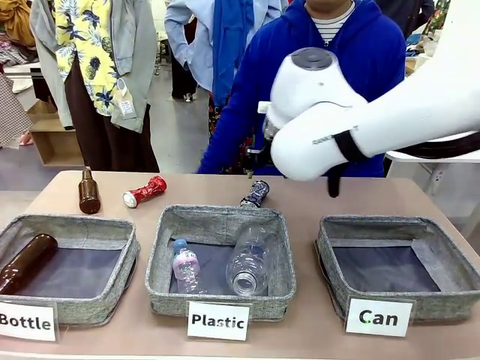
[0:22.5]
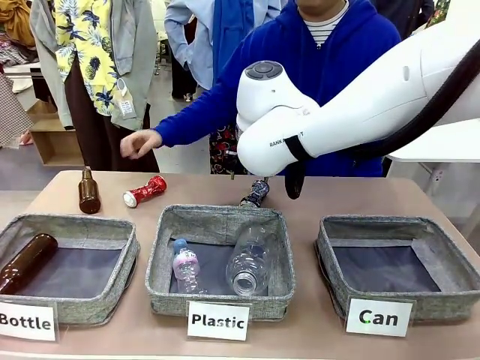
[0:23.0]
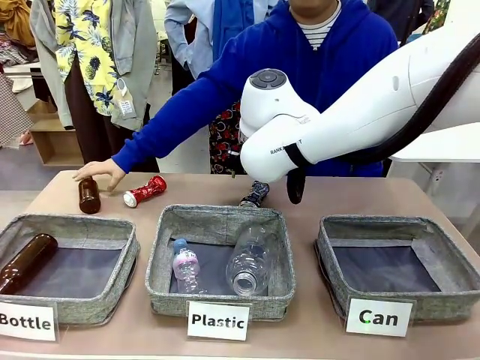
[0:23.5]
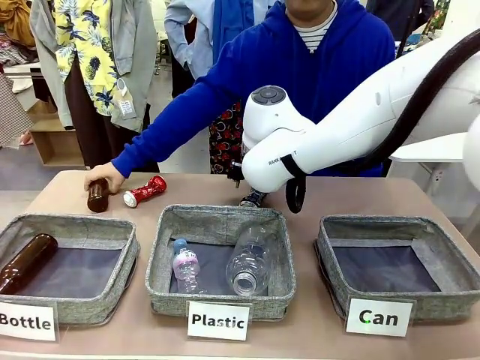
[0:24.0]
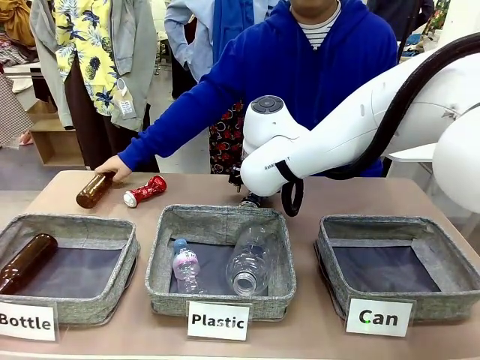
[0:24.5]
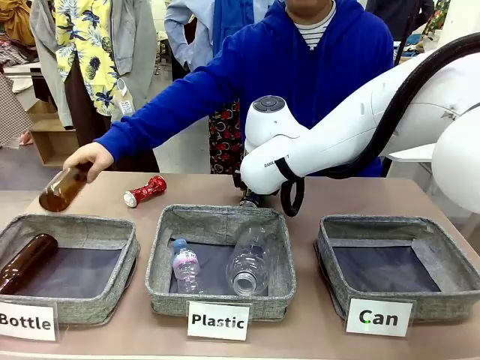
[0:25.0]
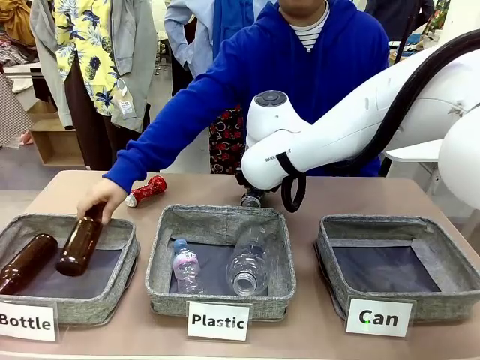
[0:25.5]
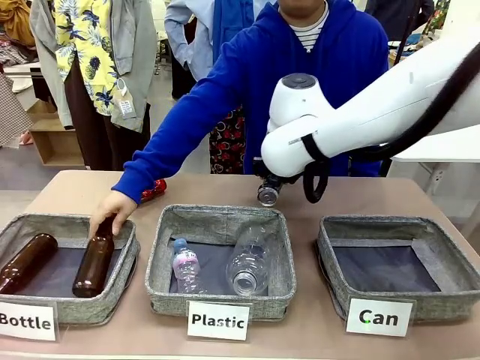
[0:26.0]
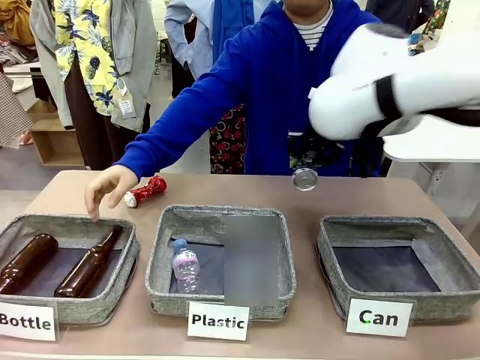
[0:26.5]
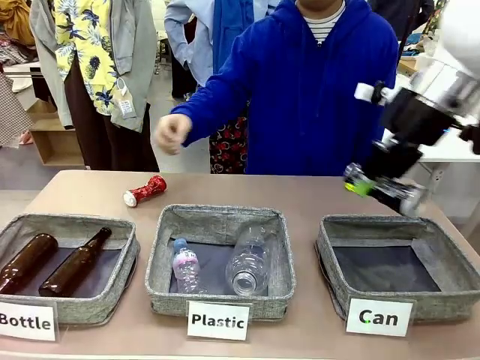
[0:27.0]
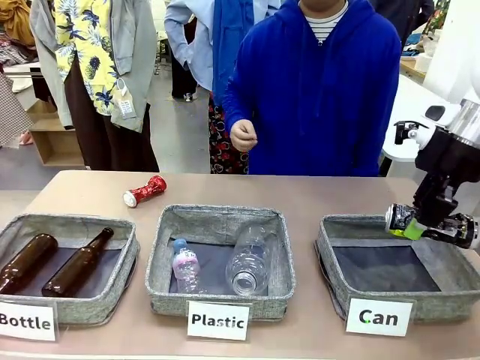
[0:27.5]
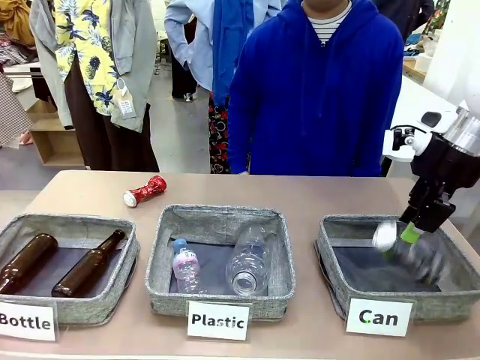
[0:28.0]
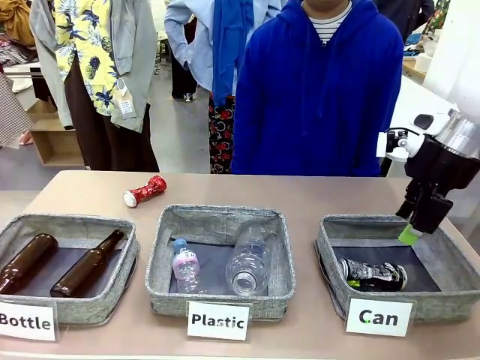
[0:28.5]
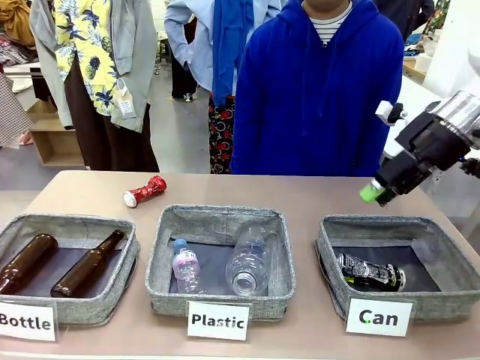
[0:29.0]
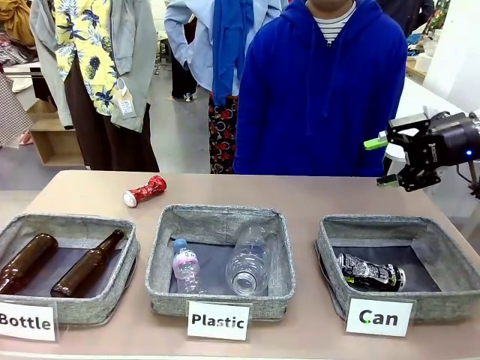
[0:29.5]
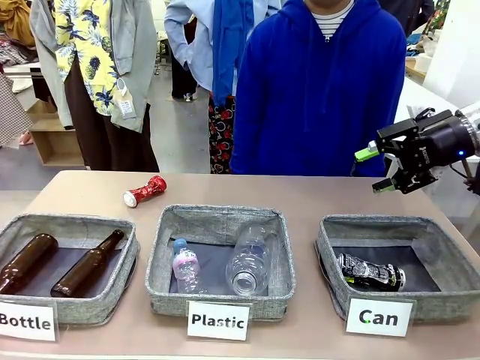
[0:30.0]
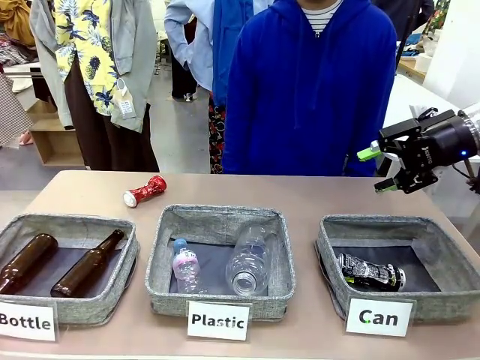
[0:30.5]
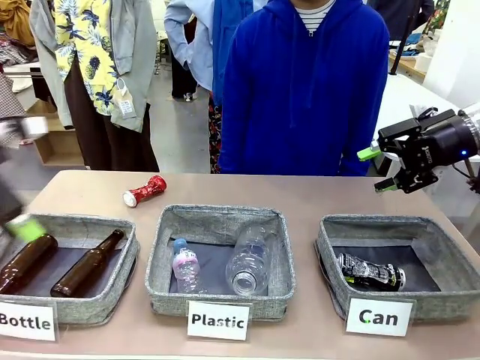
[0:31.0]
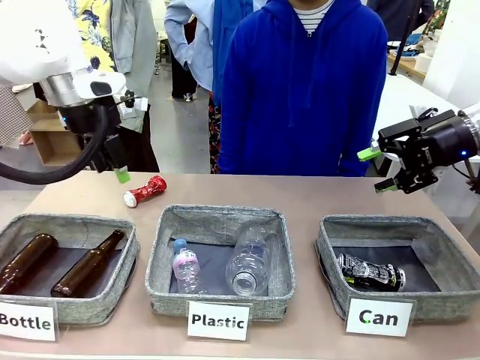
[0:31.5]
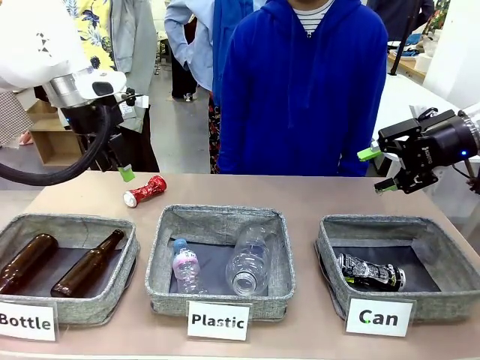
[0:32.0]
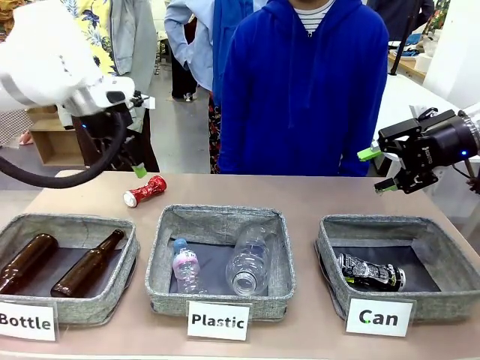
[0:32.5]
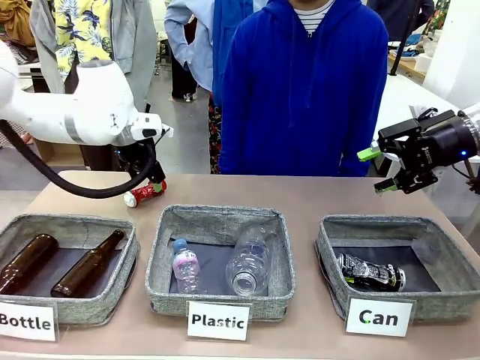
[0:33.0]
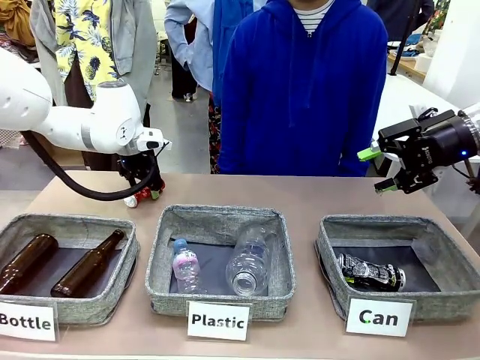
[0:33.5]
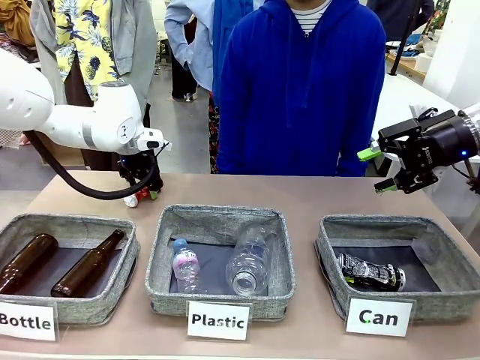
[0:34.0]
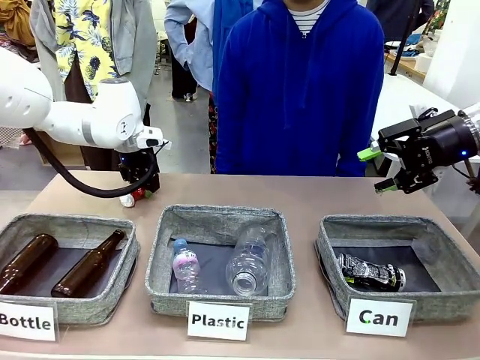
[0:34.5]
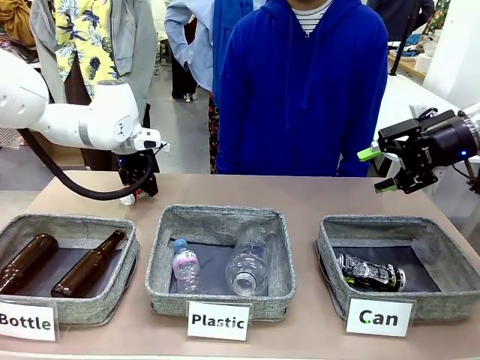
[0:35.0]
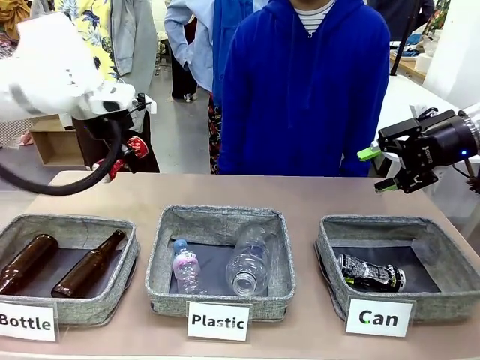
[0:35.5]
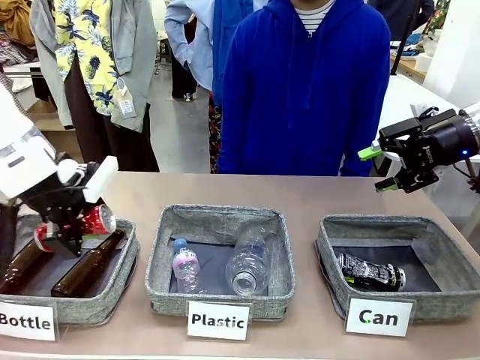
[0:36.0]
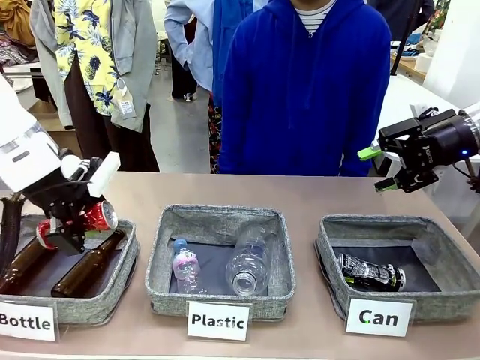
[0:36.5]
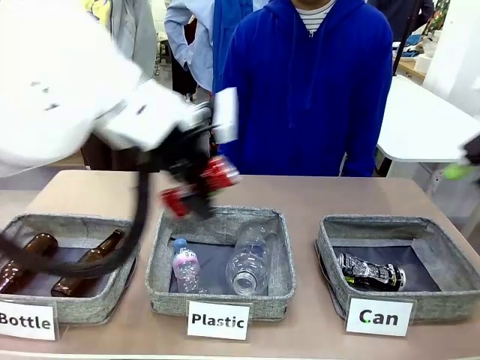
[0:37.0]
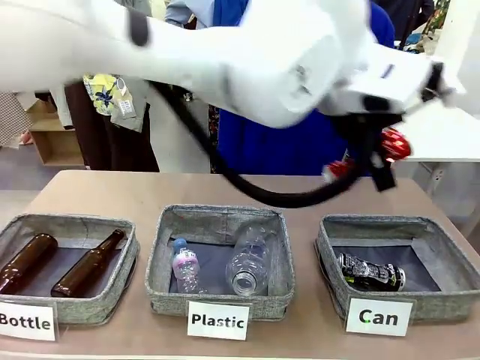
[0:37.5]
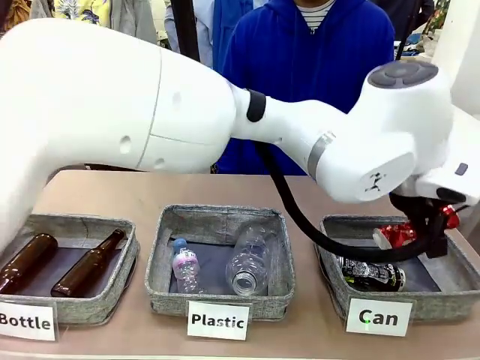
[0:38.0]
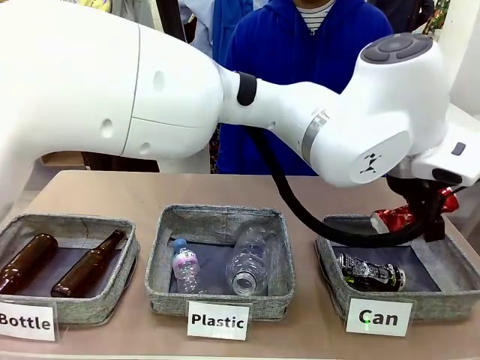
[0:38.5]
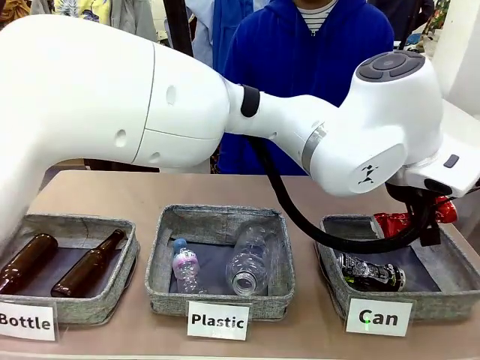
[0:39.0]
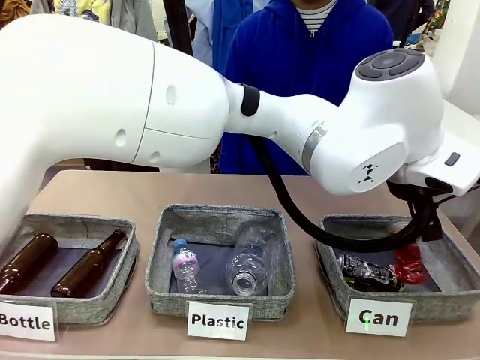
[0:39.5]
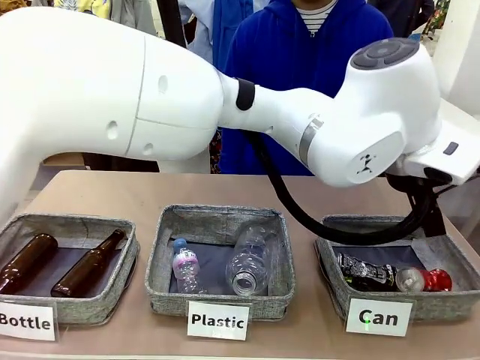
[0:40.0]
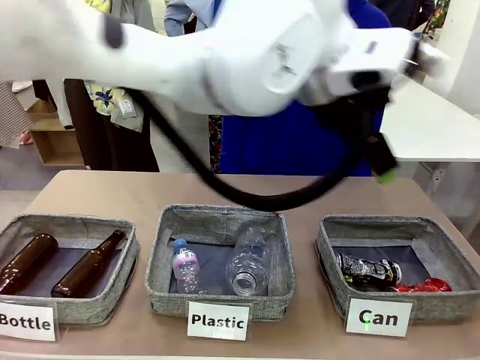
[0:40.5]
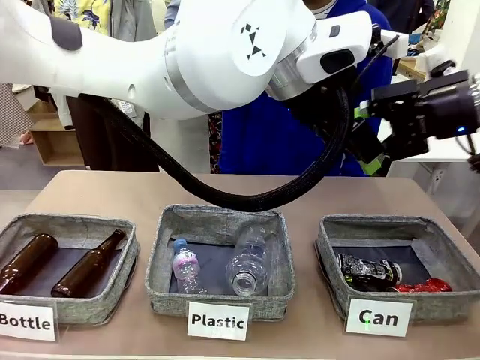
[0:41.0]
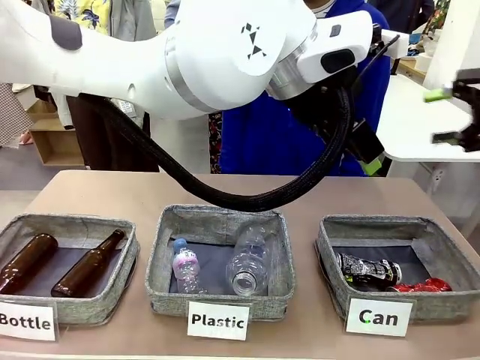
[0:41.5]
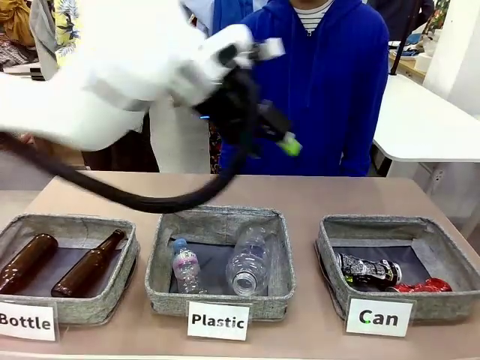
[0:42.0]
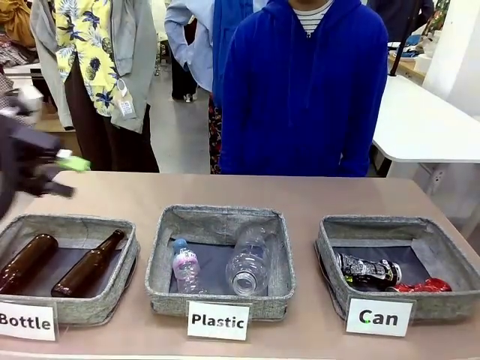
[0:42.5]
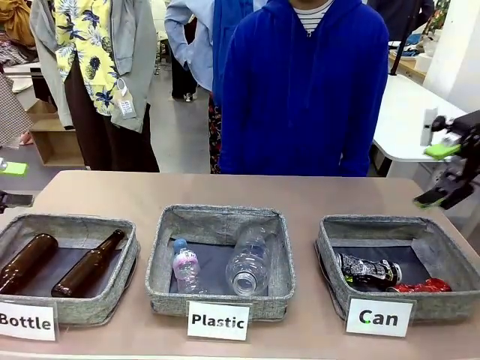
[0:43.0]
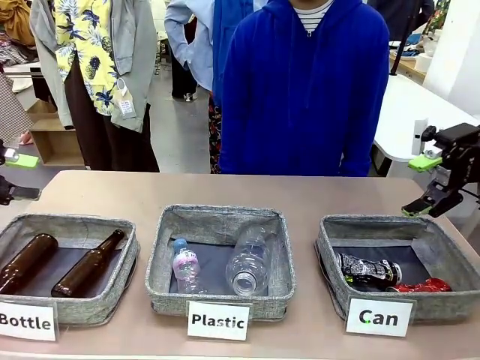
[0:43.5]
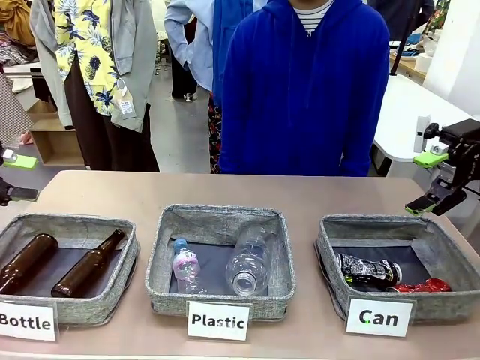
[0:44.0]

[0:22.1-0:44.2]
Task: Sort the can waste into the basket.
Robot: Pick up the can waste from the table and place it in the right Fabric basket.

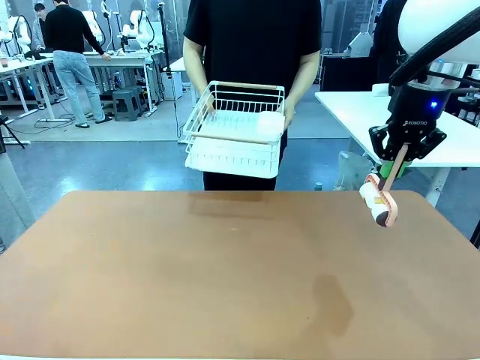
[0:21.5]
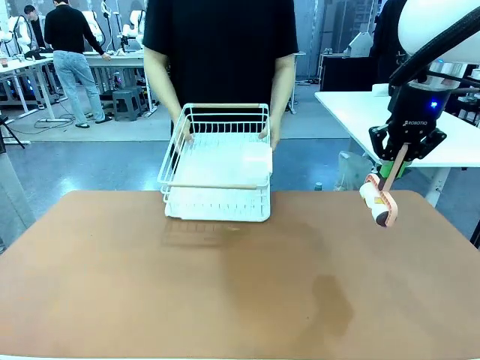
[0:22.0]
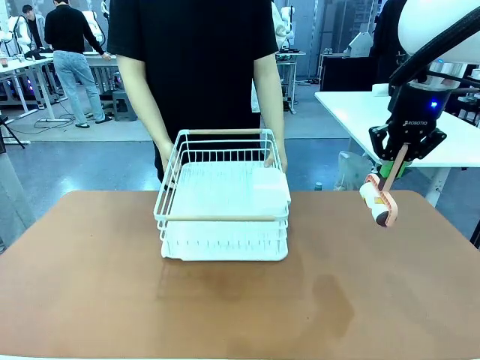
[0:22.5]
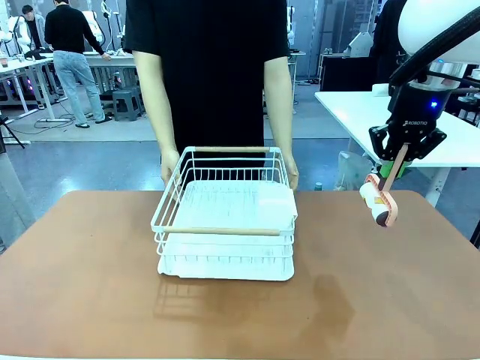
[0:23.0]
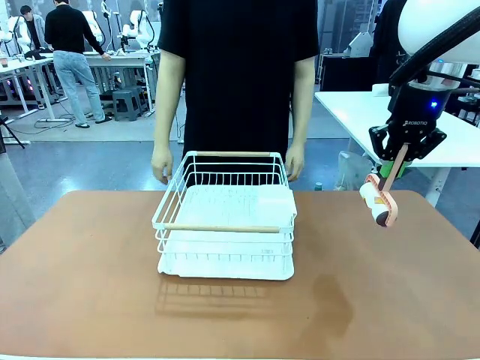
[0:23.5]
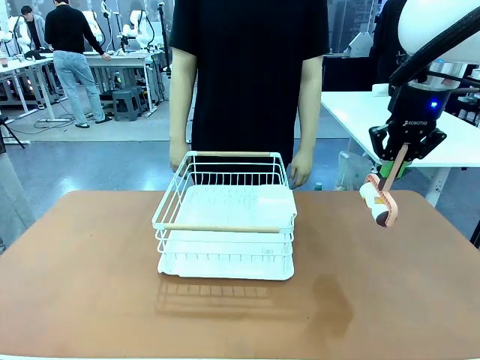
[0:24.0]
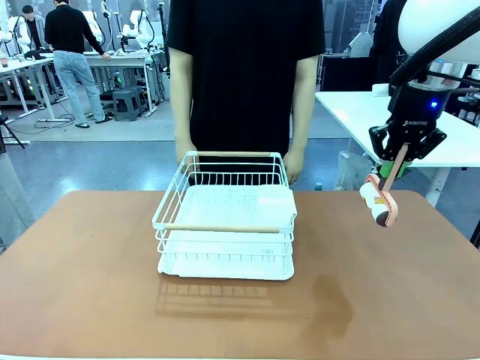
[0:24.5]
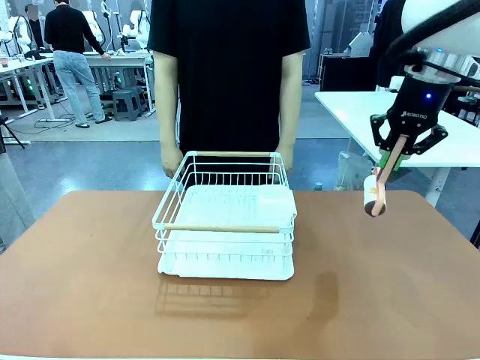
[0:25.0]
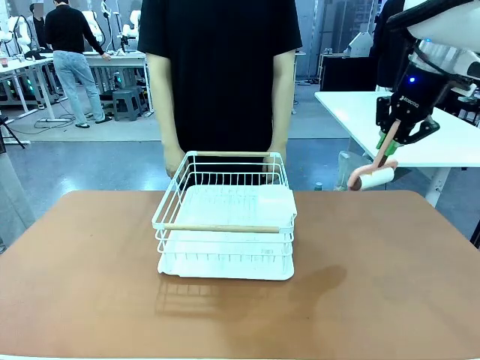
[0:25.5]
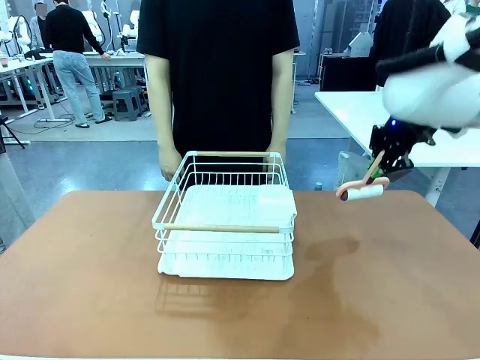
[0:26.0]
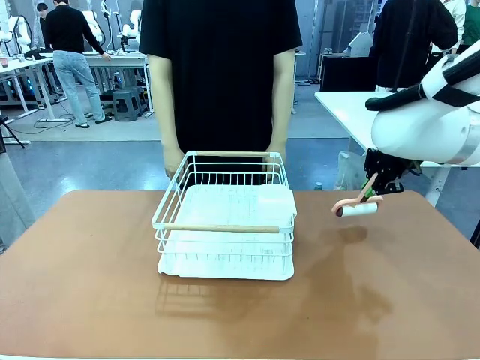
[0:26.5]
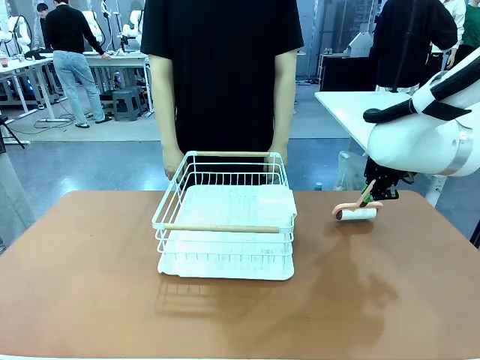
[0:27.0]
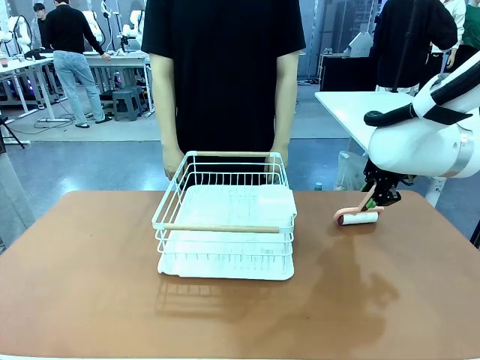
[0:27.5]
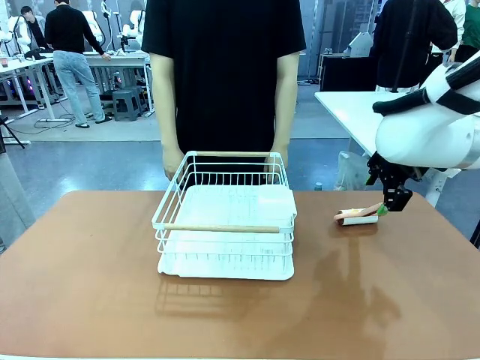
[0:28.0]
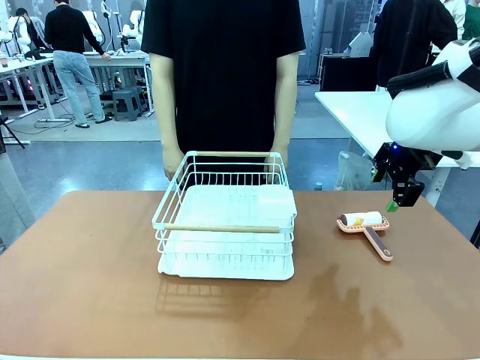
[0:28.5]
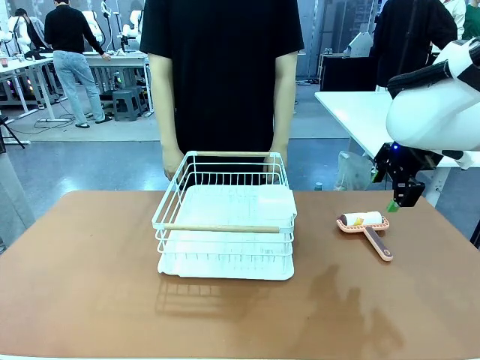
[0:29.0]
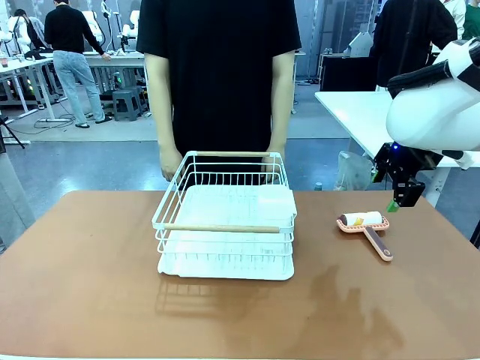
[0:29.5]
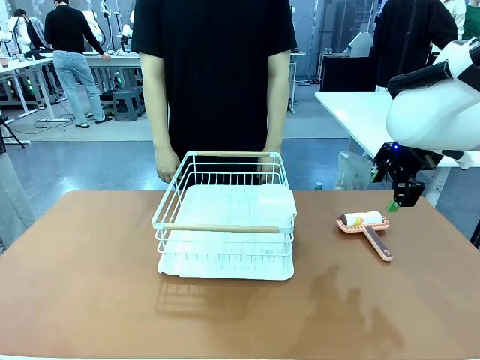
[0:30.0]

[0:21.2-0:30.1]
Task: Clean the table.
Robot: Place the Lint Roller down when the Dish drying rack is positioned in the middle of the table.
Person: Place the Dish drying rack down when the robot finishes cleaning.
